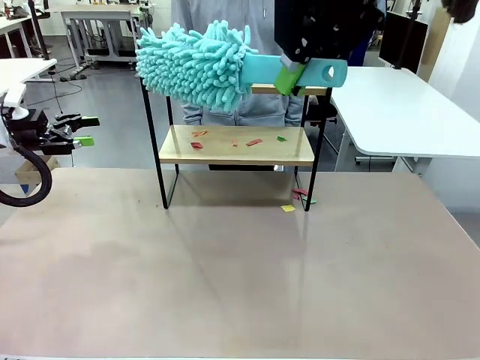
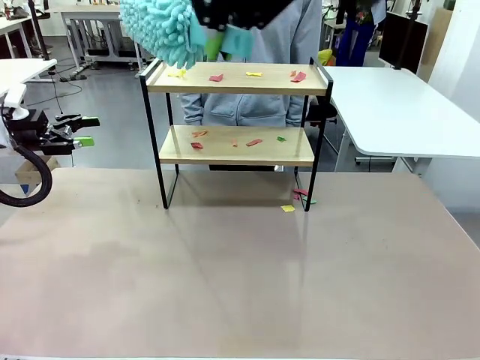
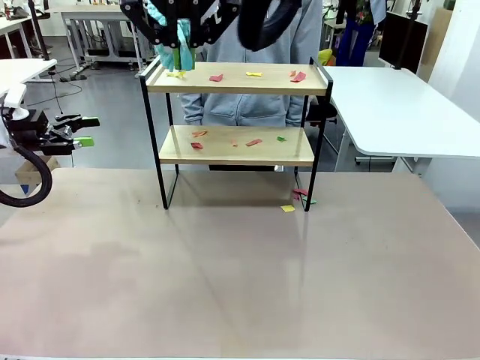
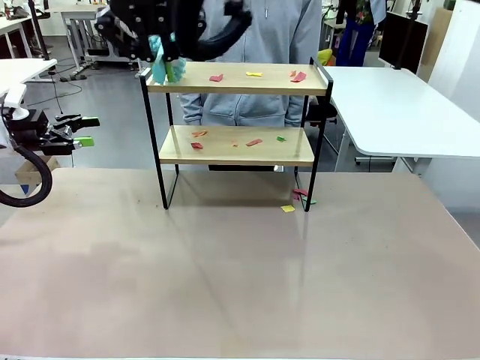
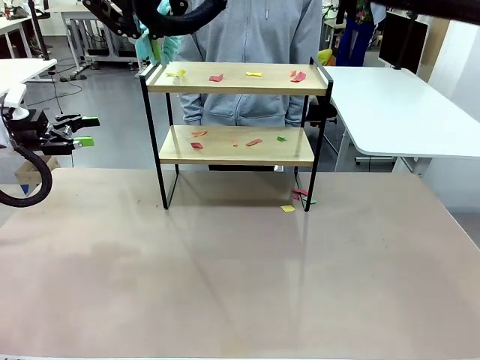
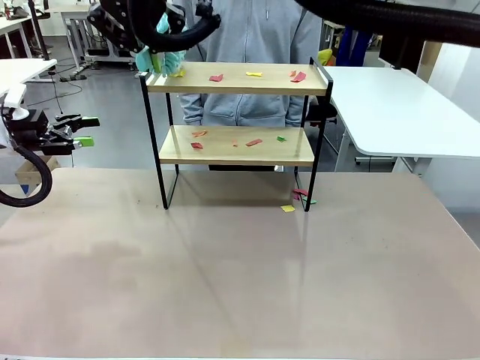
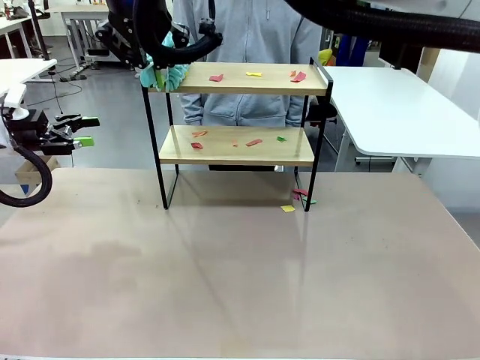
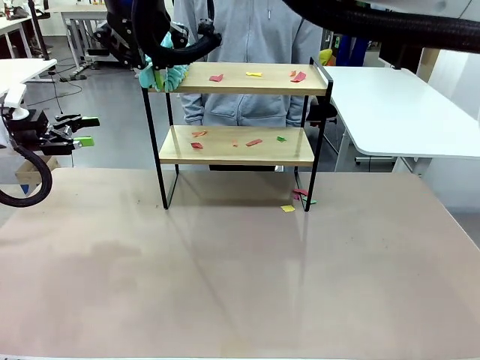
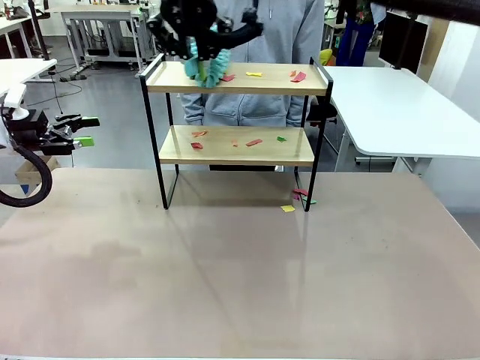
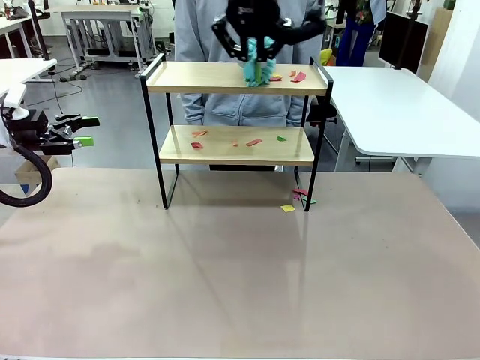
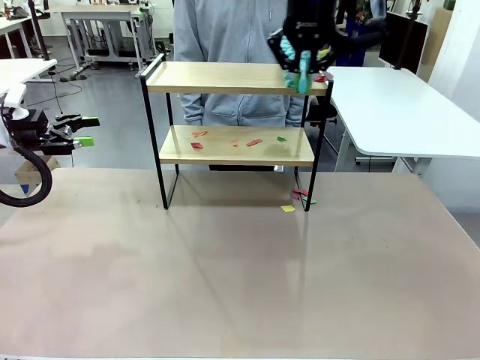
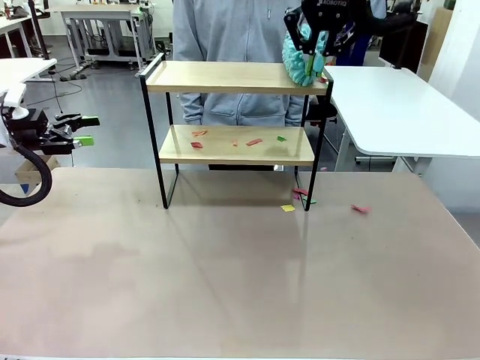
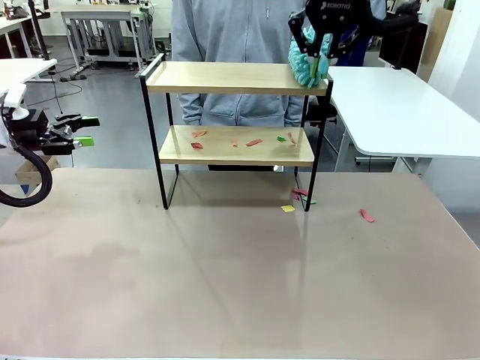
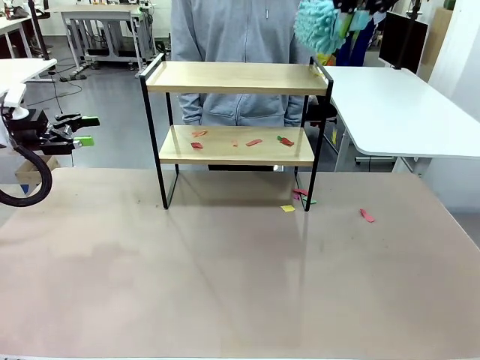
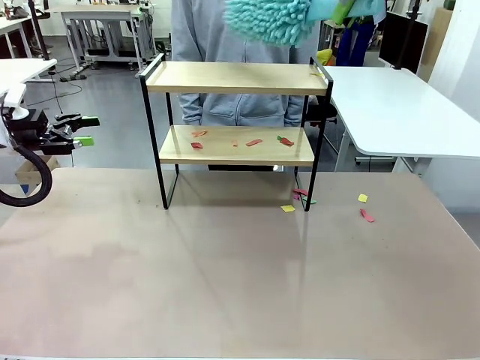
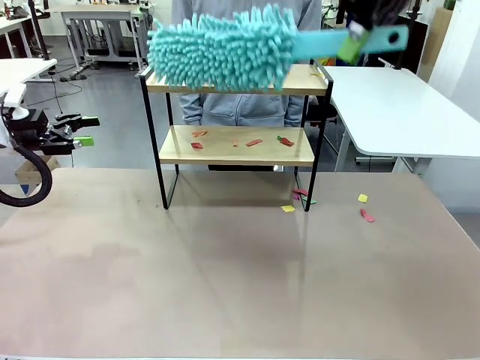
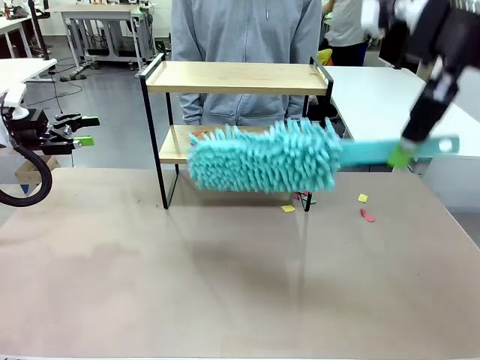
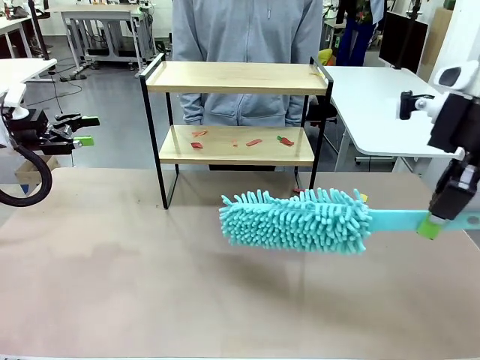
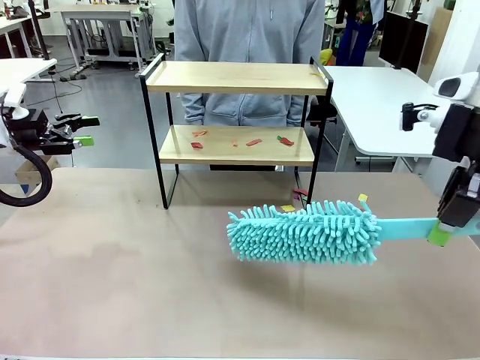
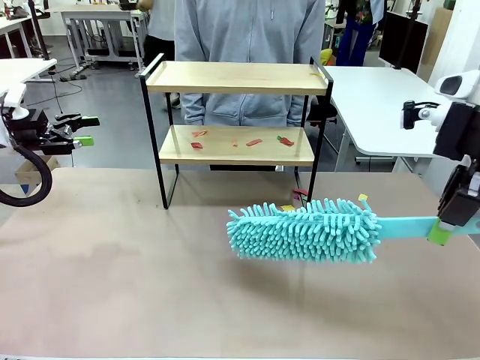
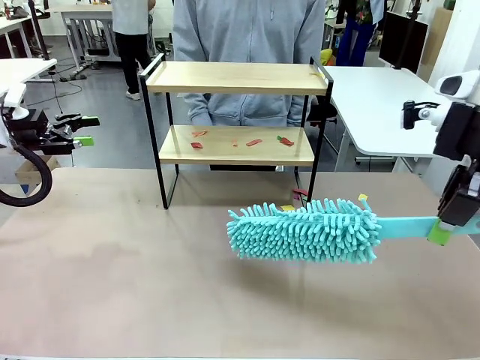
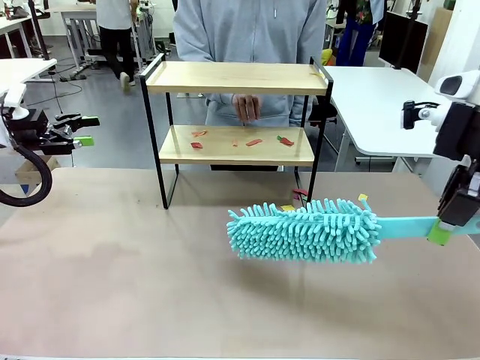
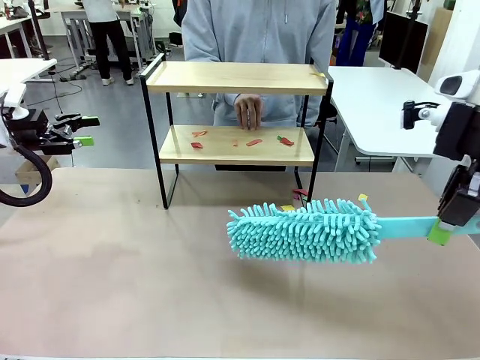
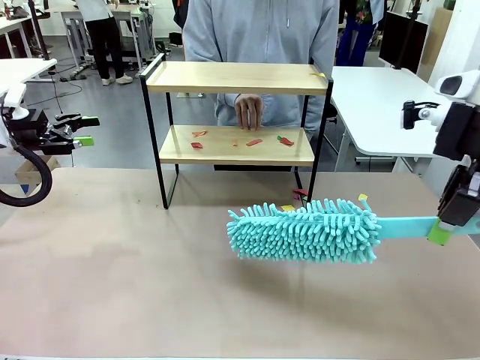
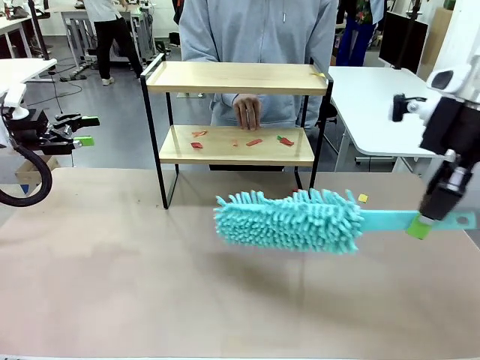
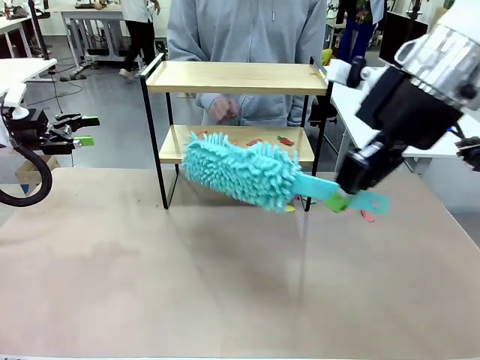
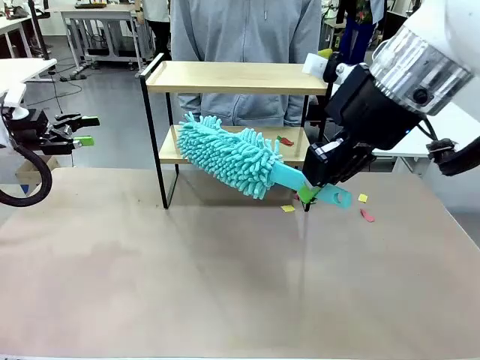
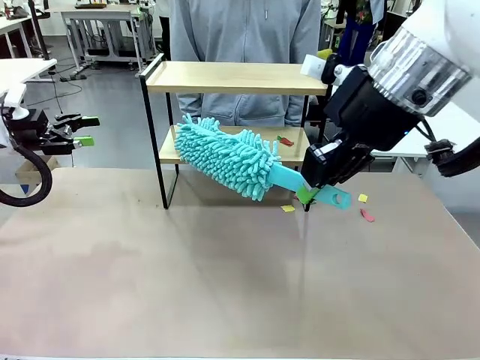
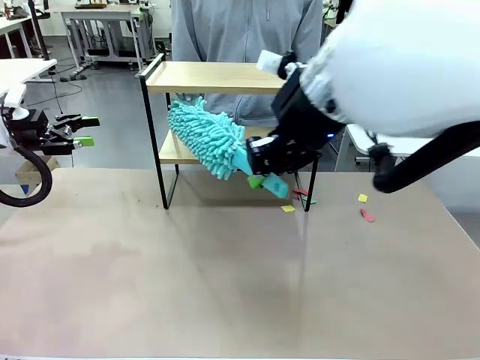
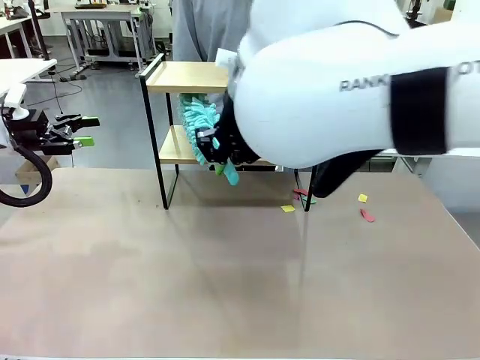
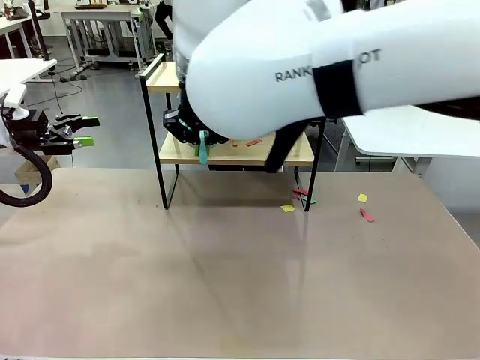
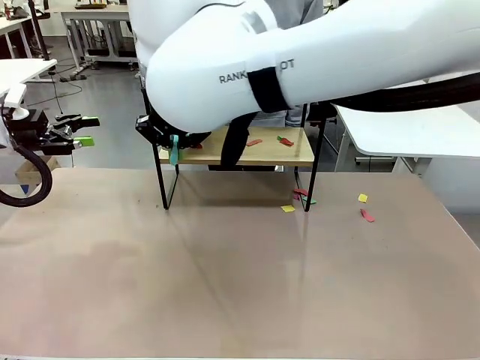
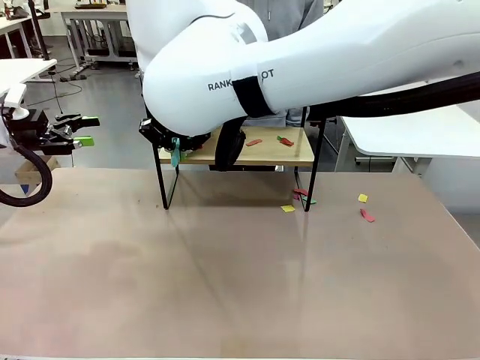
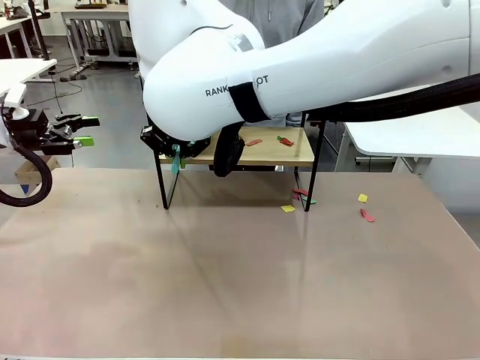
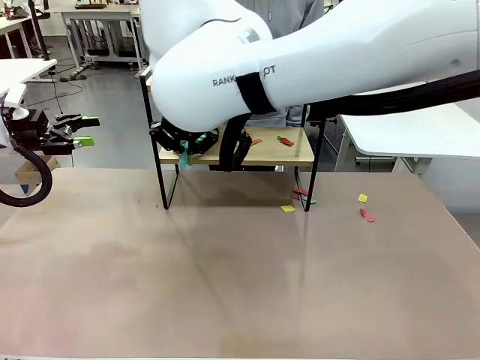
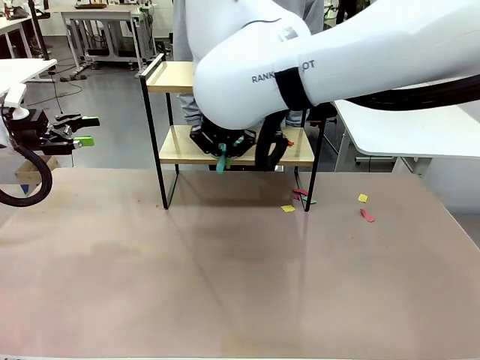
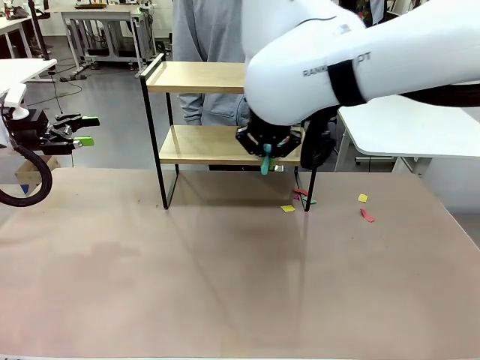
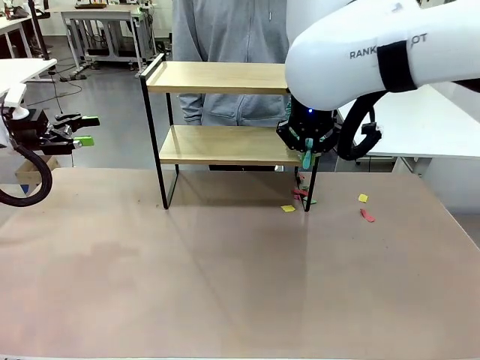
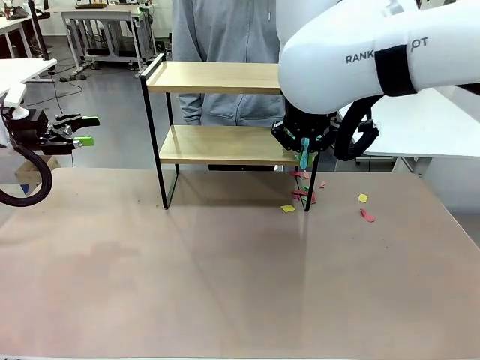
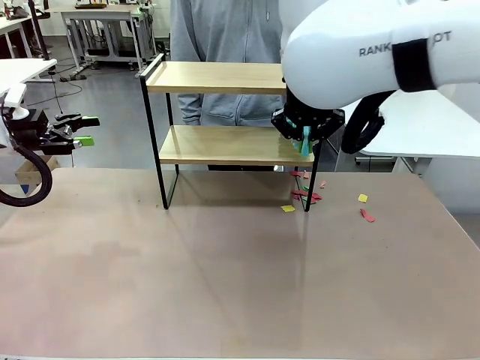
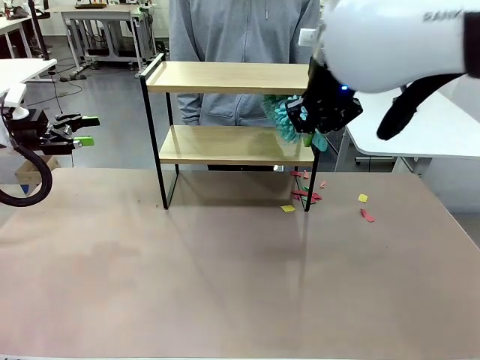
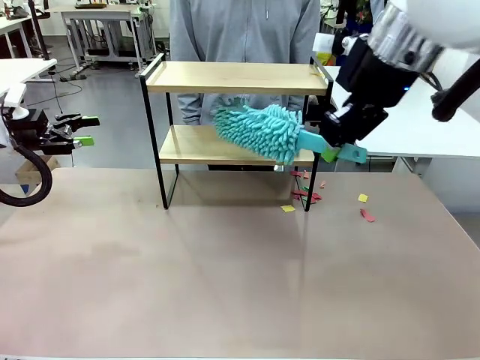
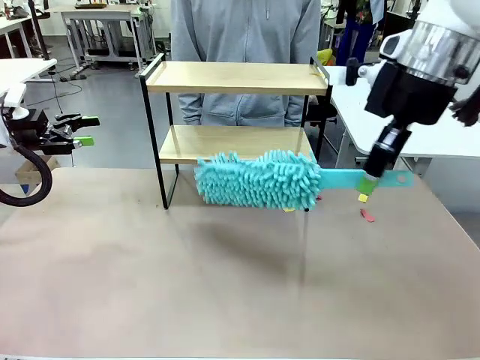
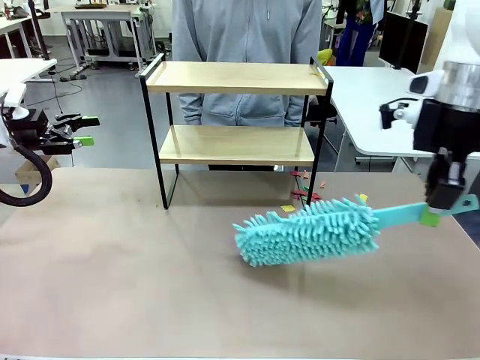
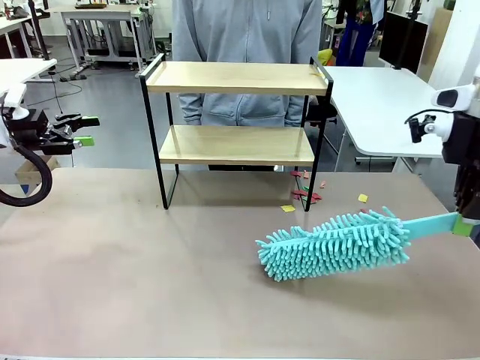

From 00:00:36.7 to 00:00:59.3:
Task: Clean the shelf.
Robot: Clean the specific section of the Shelf indicated by the human with the Duster.
Person: Point a remaining section of the Shelf.

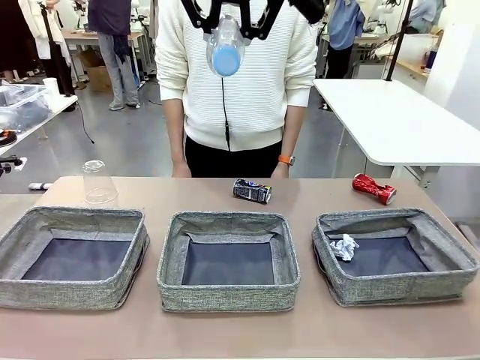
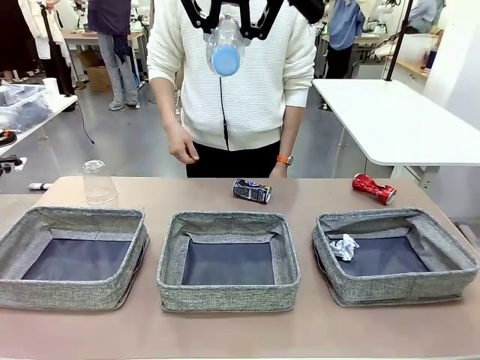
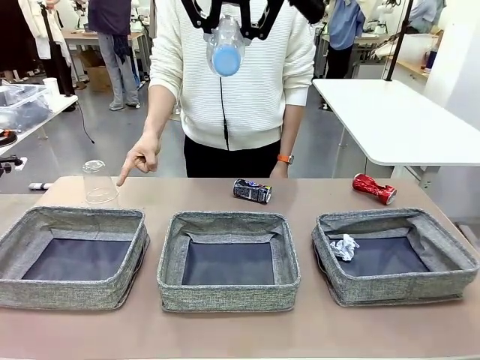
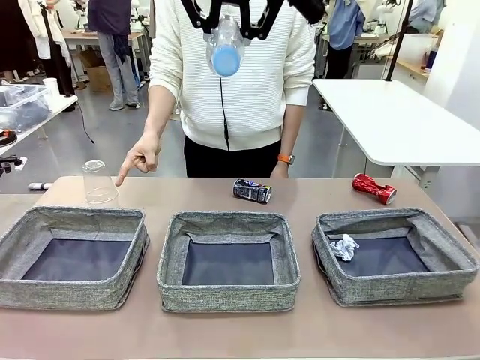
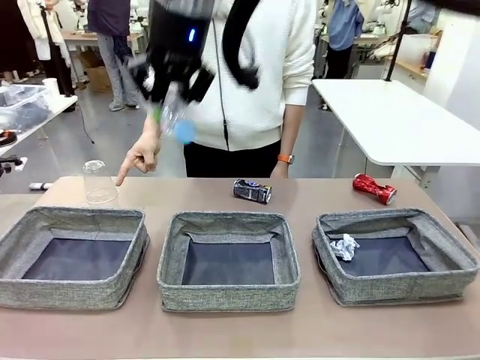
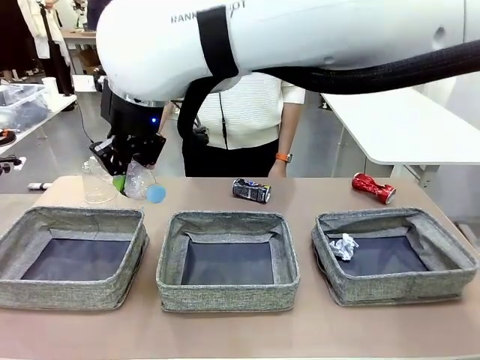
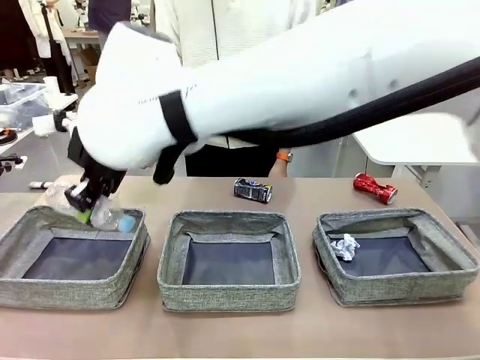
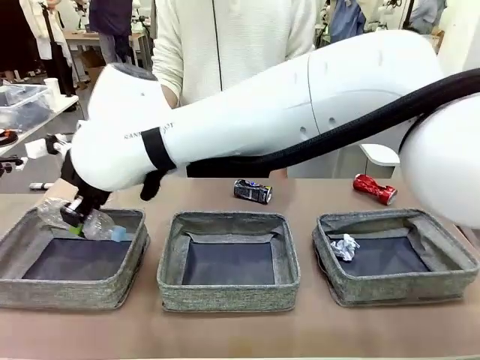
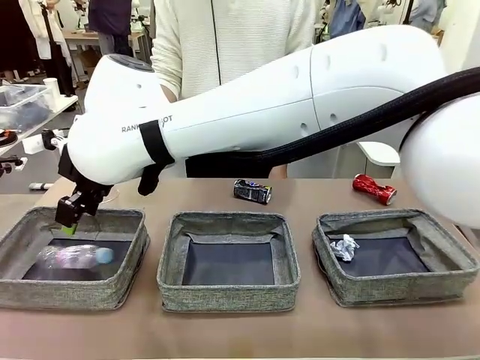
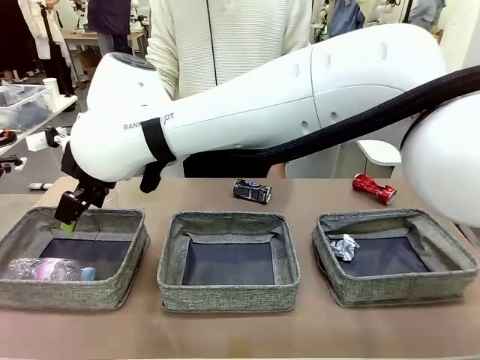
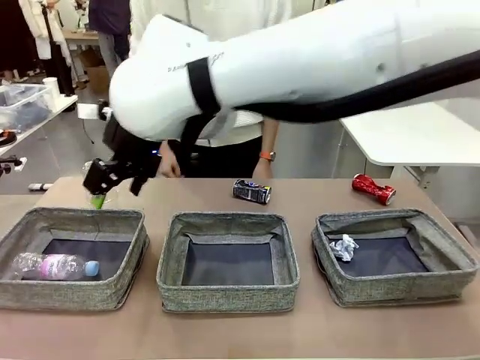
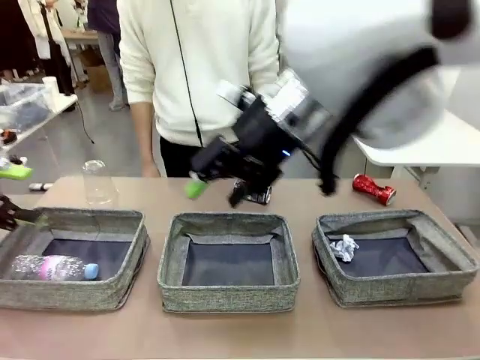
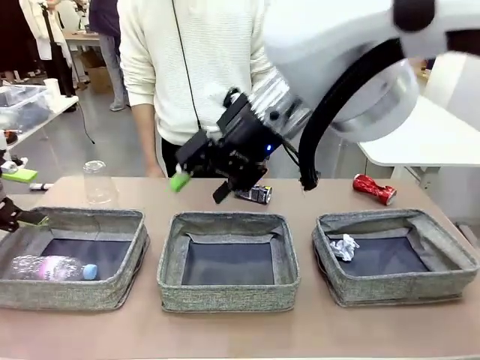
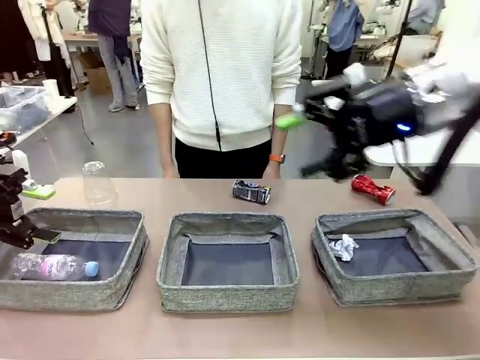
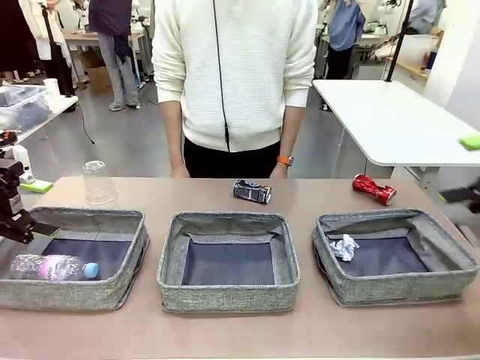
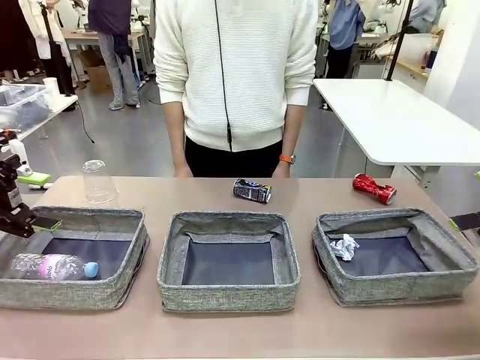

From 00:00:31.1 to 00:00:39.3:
Task: Sort the waste into the appropriate baskets.
Robot: Place the picked waste into the Fabric basket indicated by the person.
Person: Instructs the robot to place the picked-up trash into the appropriate organizing basket.
